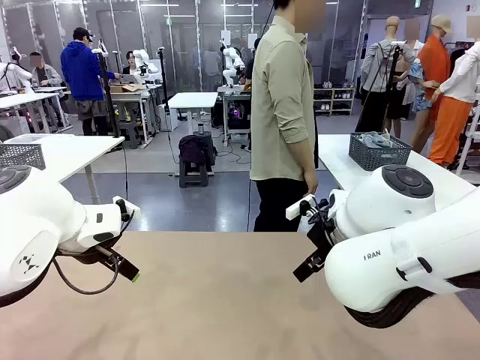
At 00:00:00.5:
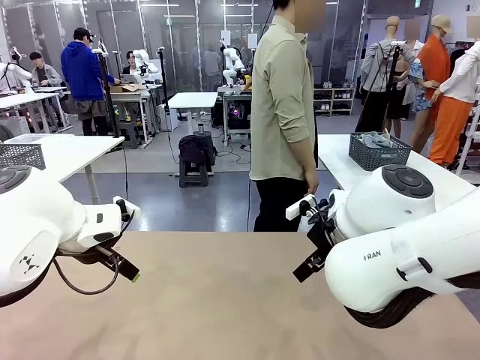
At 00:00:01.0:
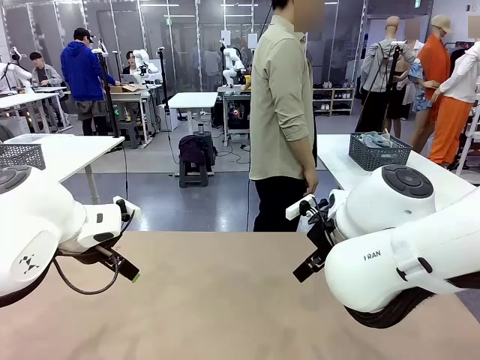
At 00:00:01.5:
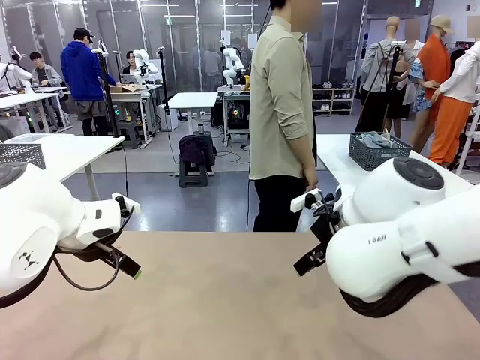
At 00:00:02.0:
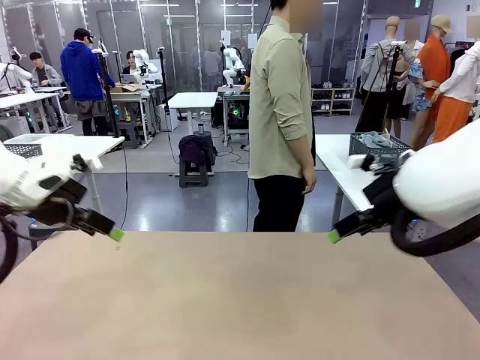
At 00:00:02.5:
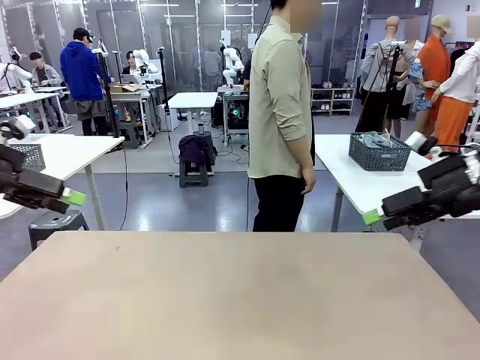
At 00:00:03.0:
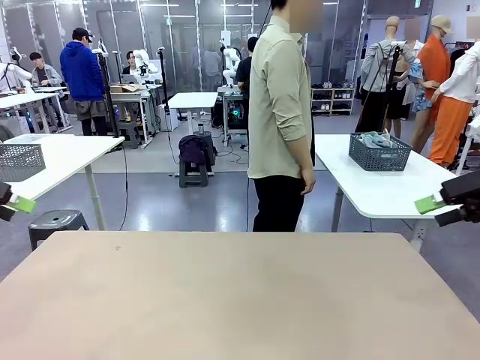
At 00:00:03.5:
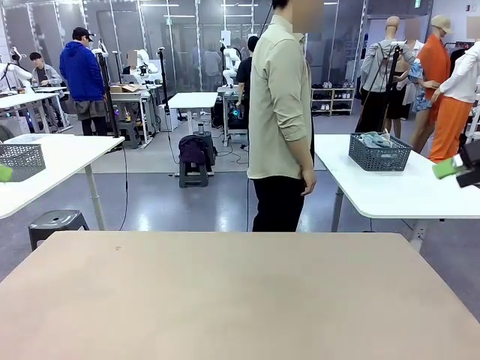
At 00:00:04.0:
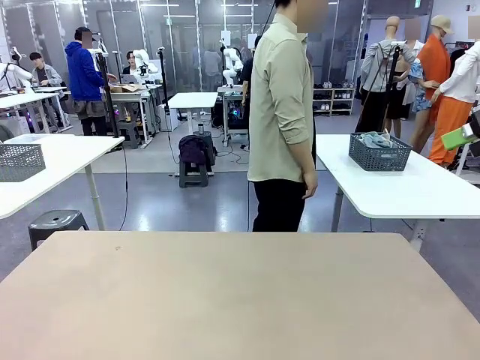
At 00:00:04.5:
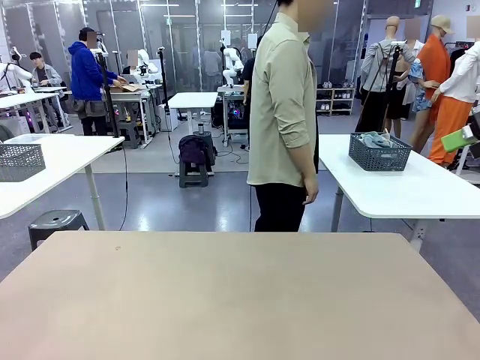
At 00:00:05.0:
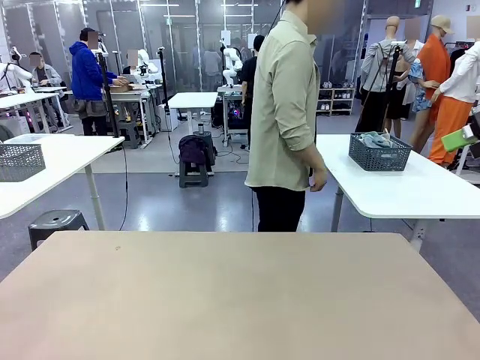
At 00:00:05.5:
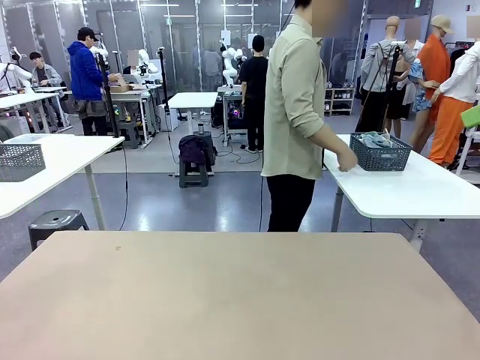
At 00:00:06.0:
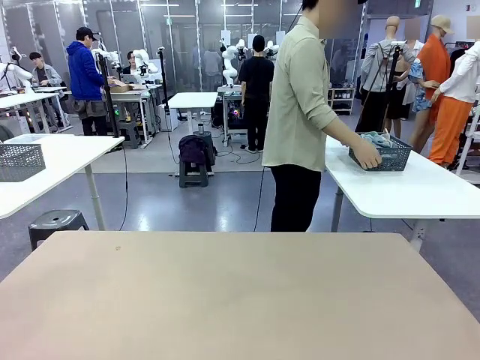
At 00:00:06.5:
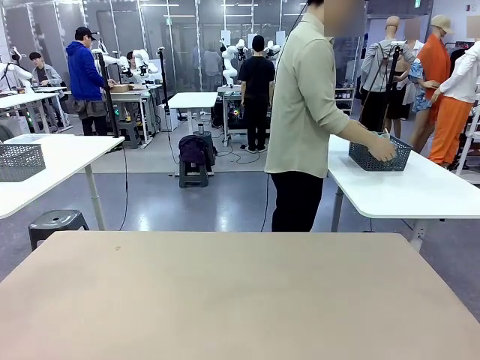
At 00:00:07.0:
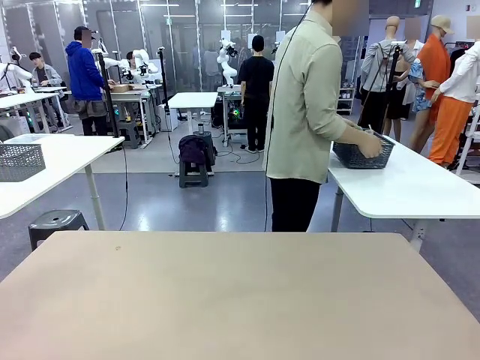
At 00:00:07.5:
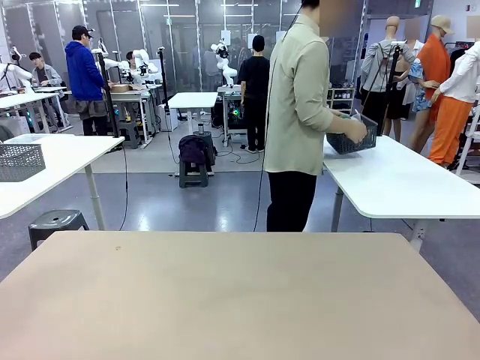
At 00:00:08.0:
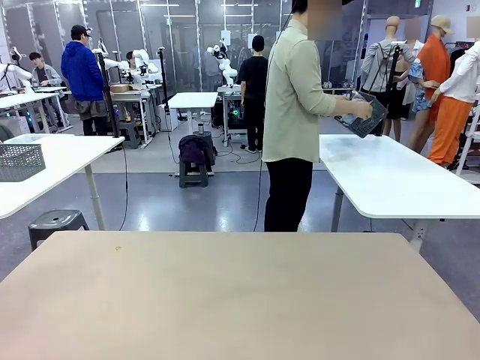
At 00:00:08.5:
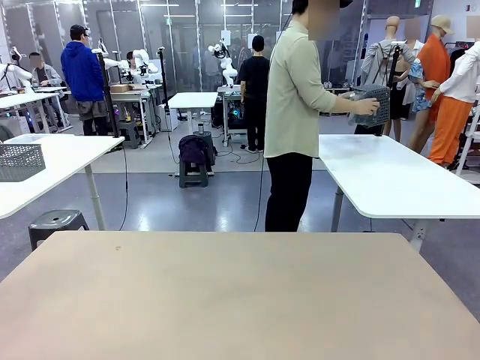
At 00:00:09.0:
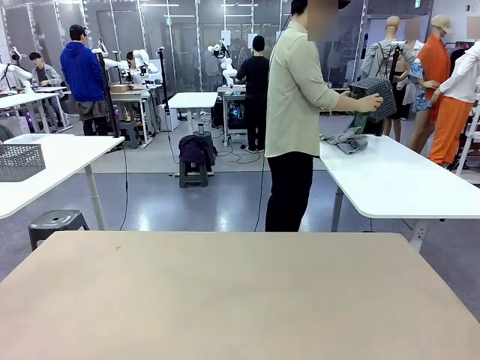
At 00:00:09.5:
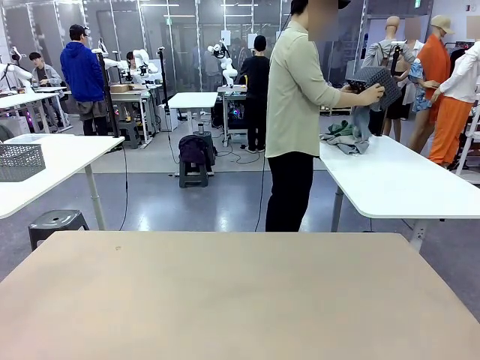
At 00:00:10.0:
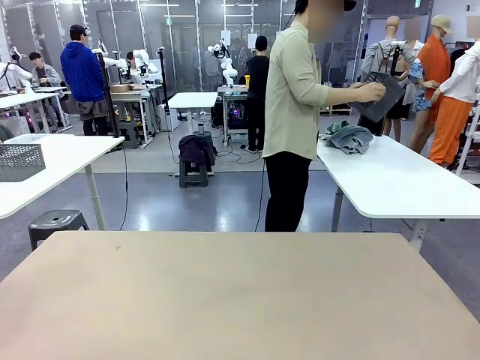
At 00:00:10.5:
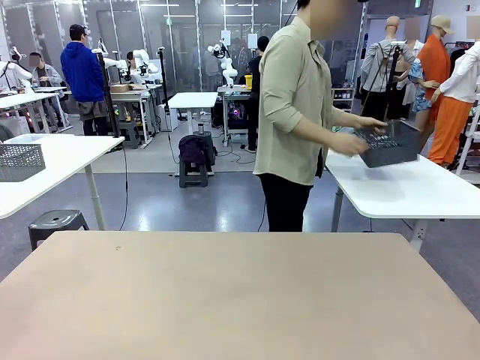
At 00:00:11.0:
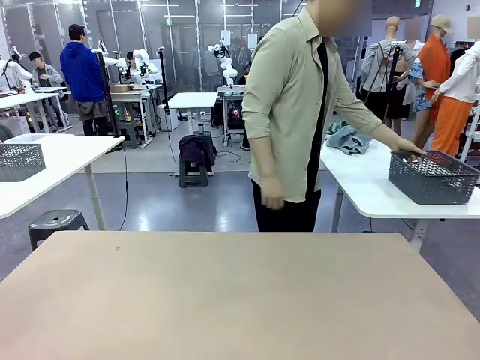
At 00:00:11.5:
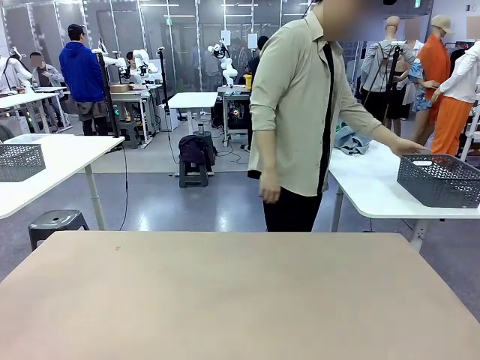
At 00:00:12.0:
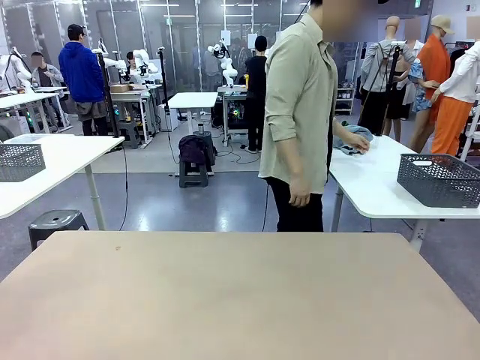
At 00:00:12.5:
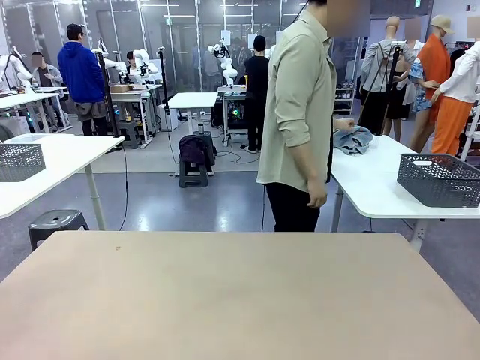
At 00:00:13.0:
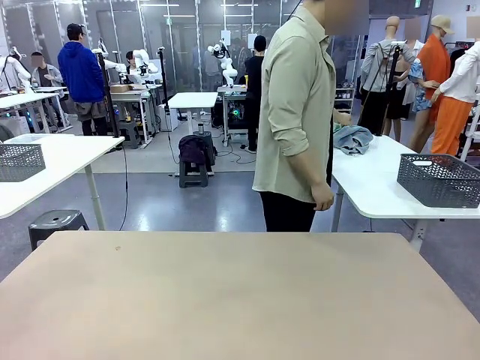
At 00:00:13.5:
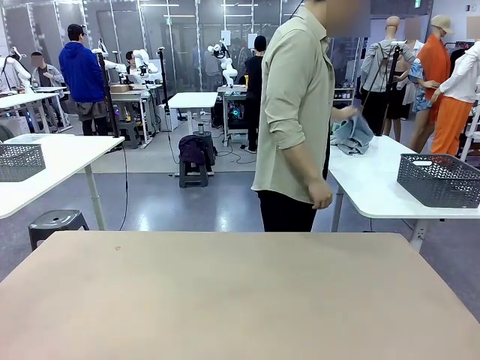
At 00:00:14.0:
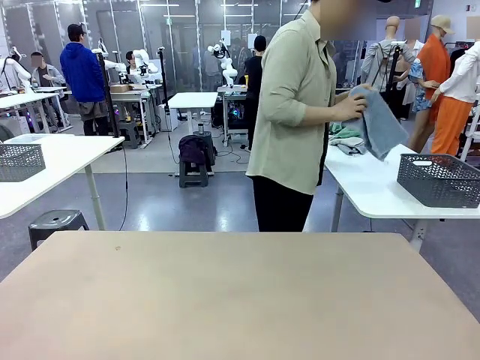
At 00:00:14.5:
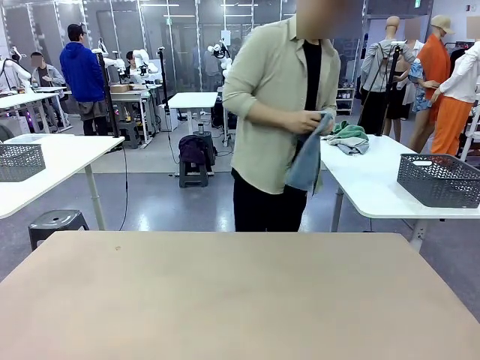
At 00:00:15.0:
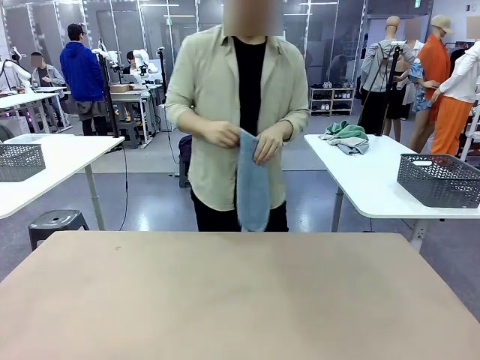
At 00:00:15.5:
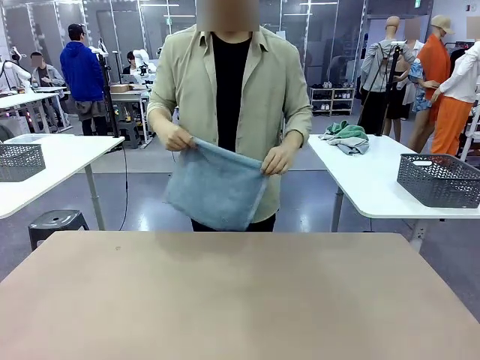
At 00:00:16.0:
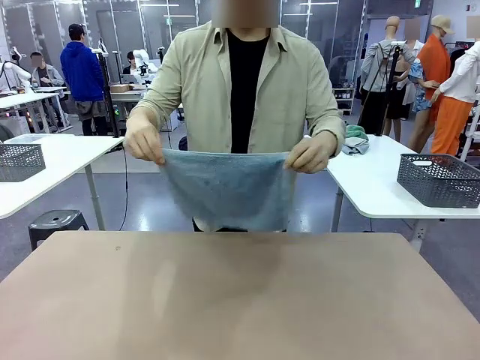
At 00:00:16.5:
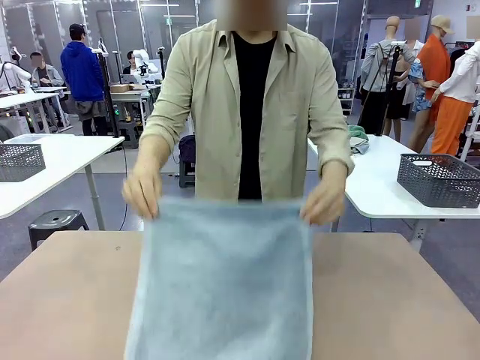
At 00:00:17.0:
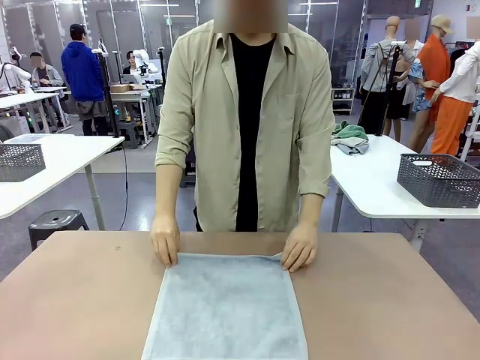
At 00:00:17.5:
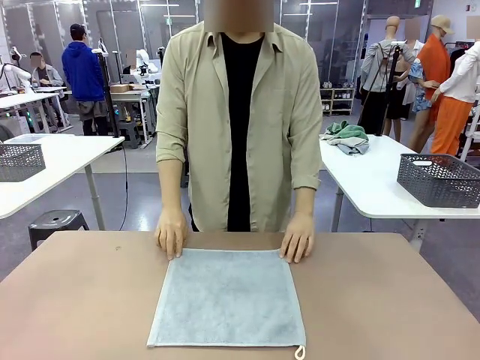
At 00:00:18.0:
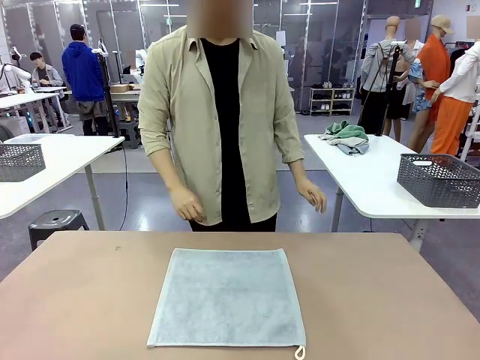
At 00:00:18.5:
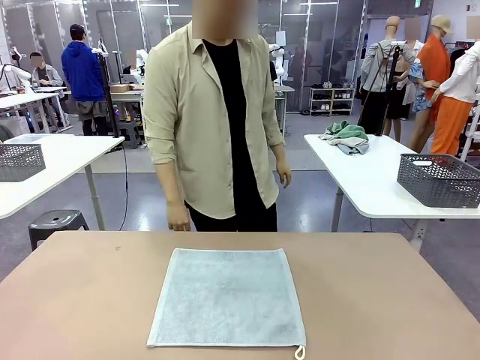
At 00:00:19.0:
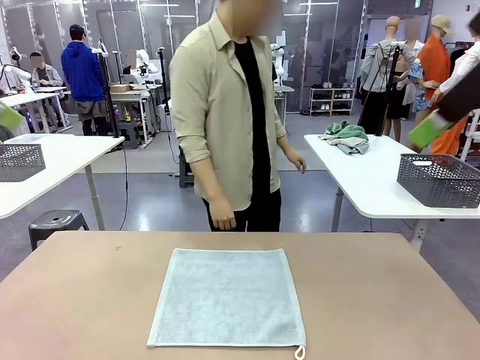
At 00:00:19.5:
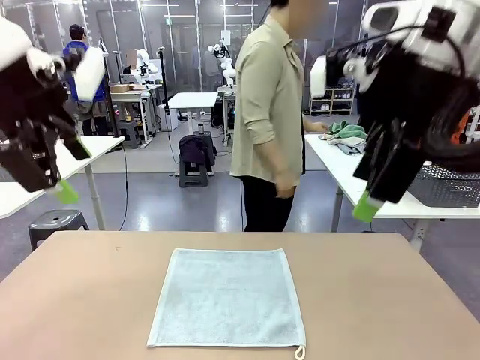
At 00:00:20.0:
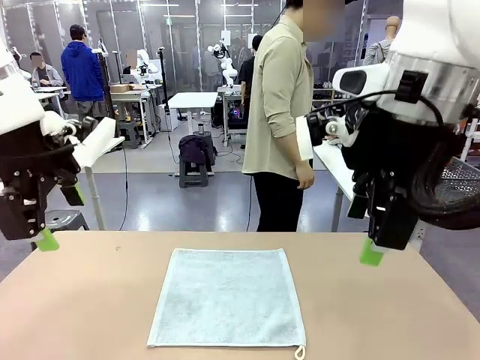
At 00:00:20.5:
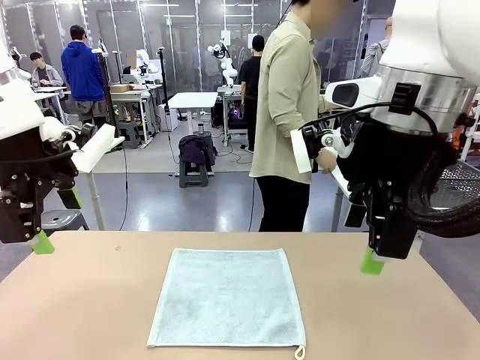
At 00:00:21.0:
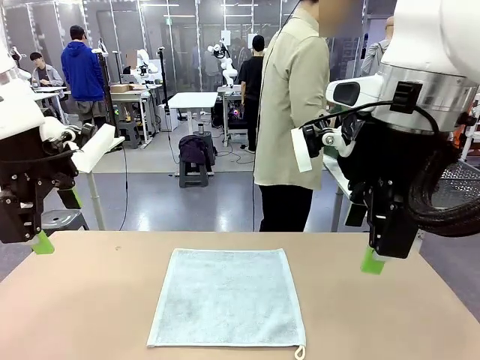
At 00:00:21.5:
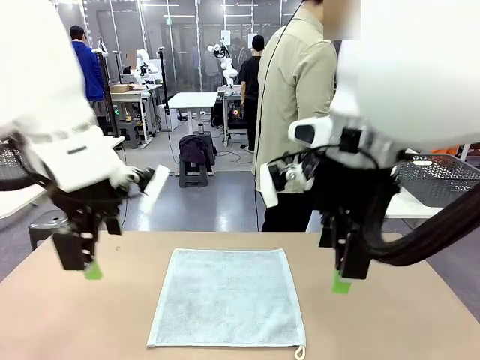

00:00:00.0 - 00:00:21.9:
Task: Fold the towels and place them in the basket.
Robot: When a person lays out a Towel with hook on the table, fold it in half twice.
Person: Pick up the basket, pour the towels onto the left side of the human table, and place the basket on the right side. Pick up one towel and spread it out at the center of the robot table.

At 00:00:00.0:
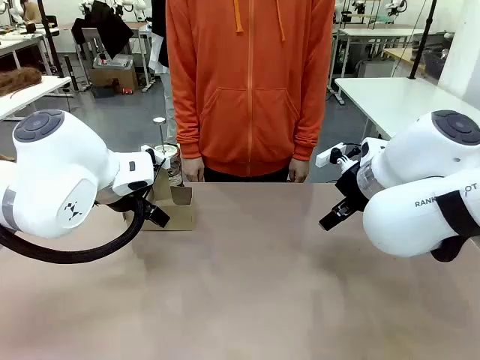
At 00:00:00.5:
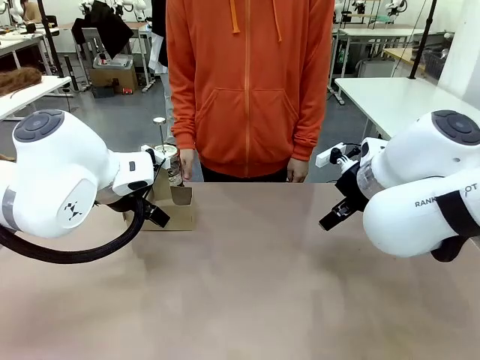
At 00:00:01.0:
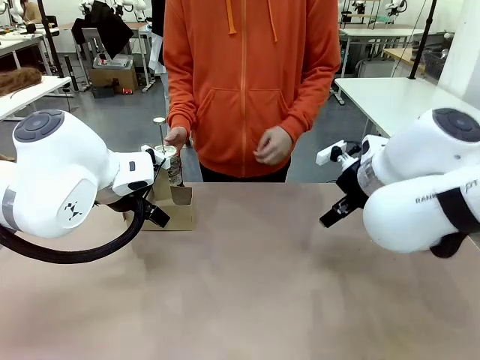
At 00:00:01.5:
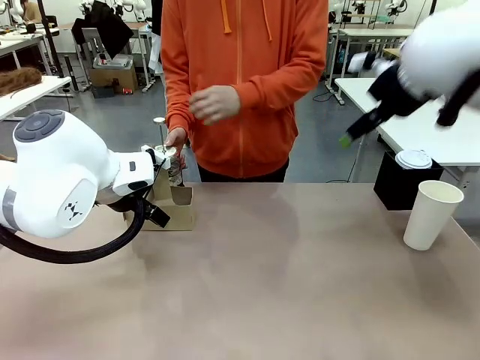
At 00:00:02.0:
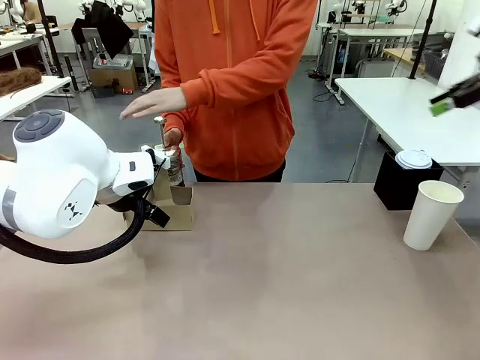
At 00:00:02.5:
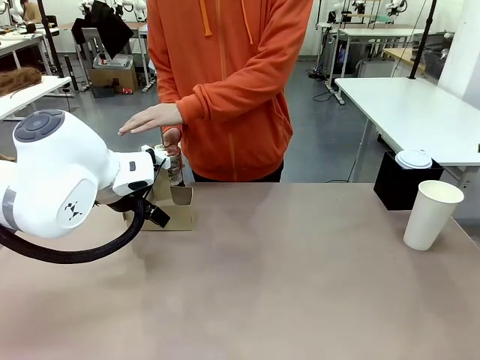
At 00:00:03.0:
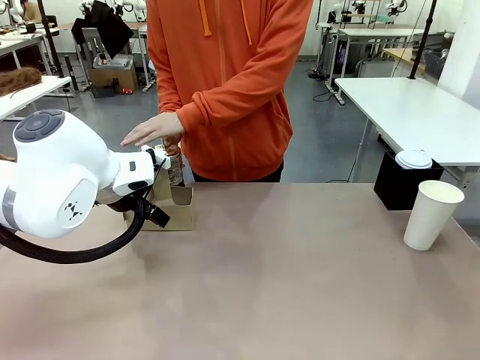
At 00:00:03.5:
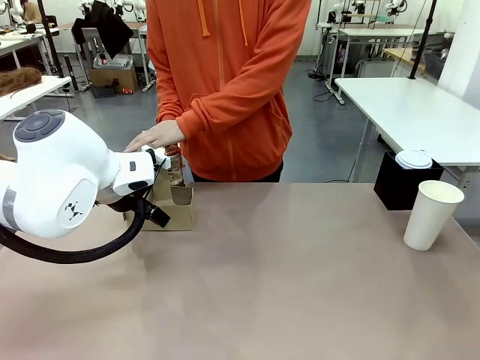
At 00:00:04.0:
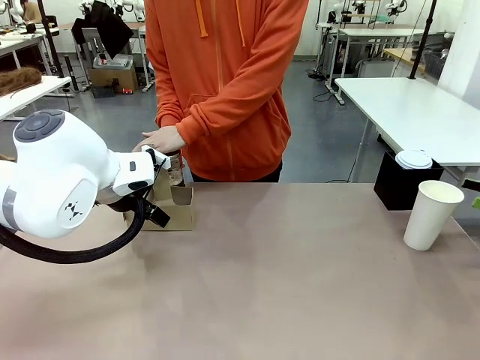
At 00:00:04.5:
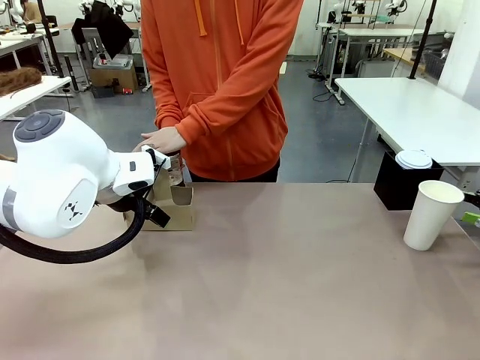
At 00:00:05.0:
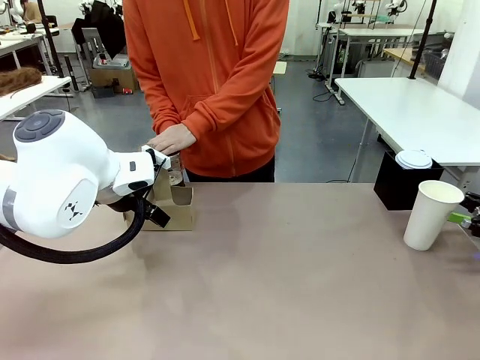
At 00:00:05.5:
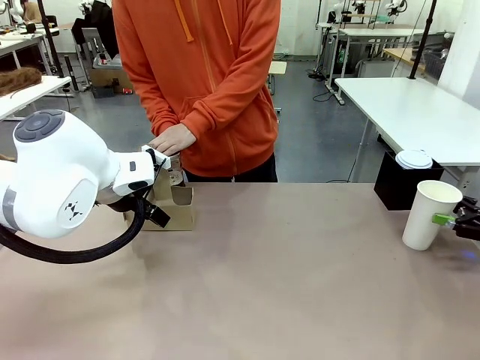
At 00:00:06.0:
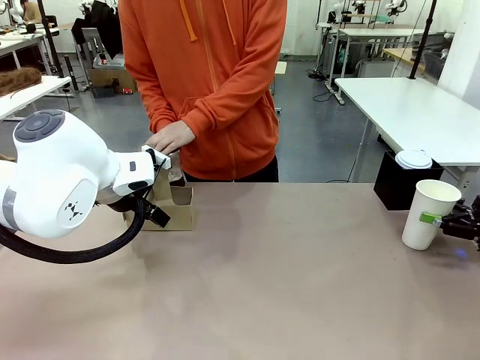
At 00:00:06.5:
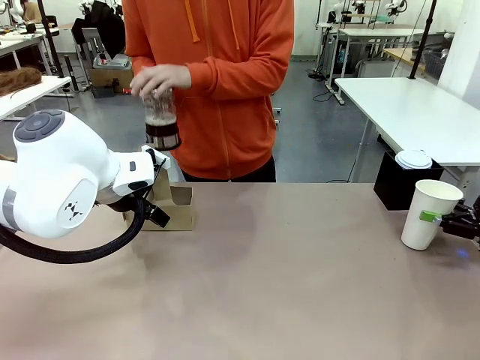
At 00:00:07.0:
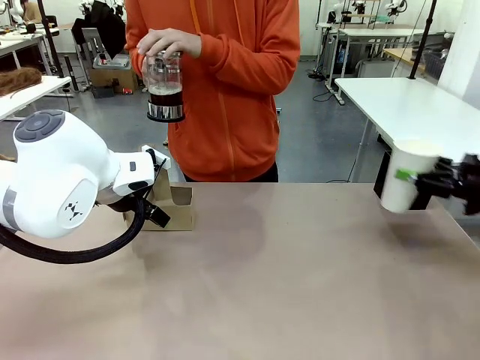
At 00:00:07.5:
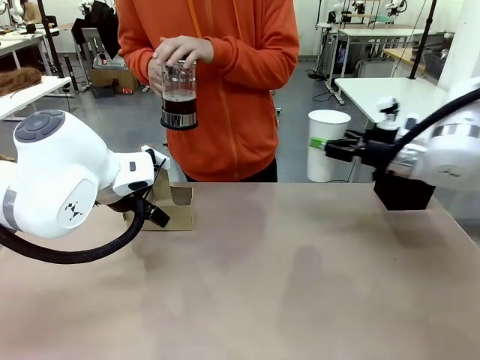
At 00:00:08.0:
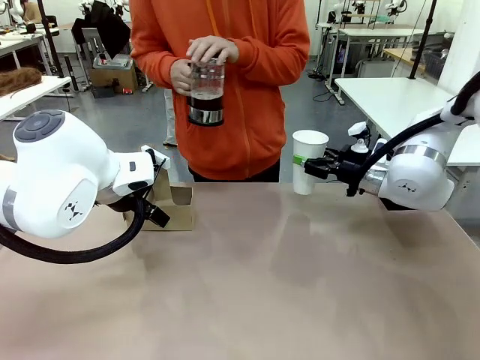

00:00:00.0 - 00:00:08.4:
Task: Pour a drink into a cup and package it in a carrier.
Robot: Pick up the 600 ml Paper Cup and place it in the middle top area of the table.
Person: Press and pick up the Filter Brewing.
